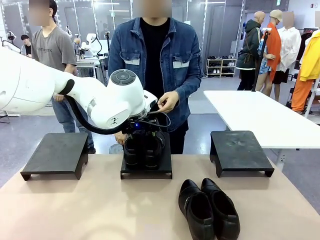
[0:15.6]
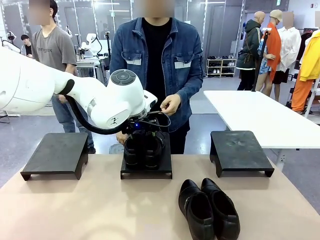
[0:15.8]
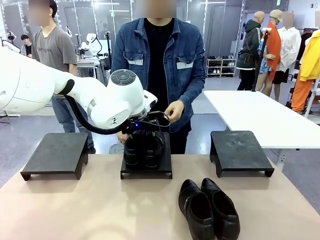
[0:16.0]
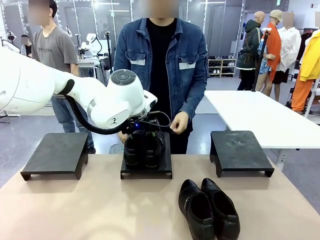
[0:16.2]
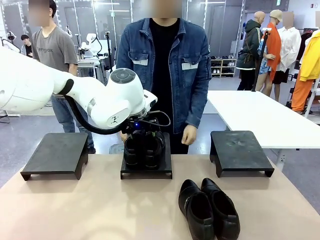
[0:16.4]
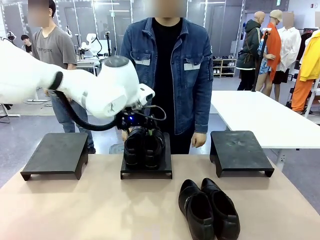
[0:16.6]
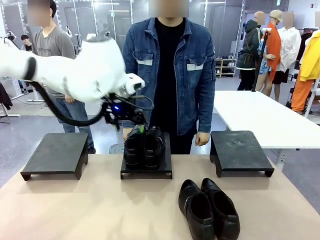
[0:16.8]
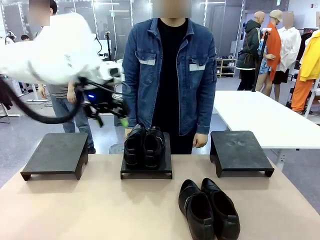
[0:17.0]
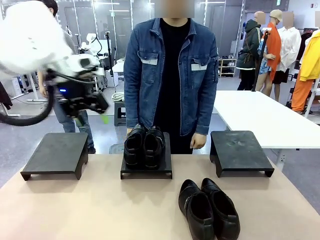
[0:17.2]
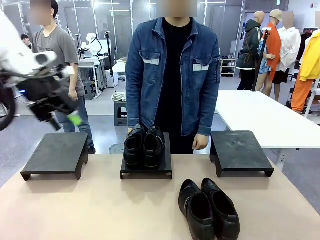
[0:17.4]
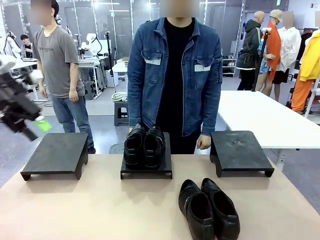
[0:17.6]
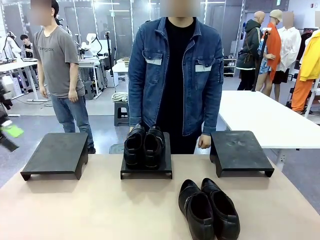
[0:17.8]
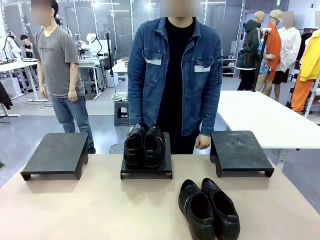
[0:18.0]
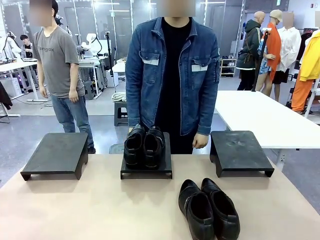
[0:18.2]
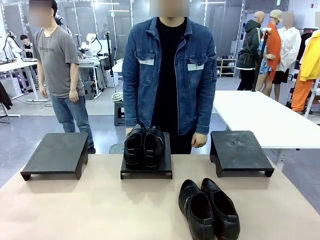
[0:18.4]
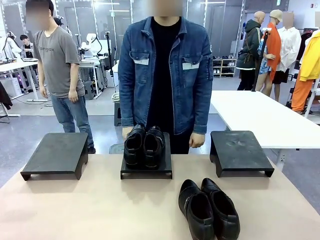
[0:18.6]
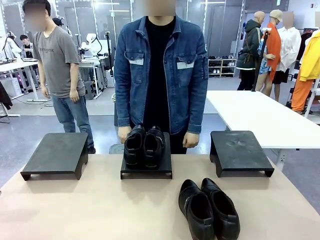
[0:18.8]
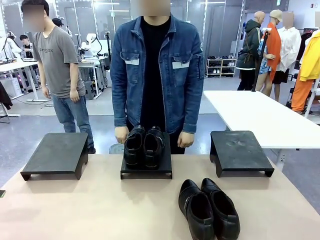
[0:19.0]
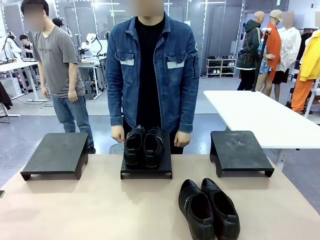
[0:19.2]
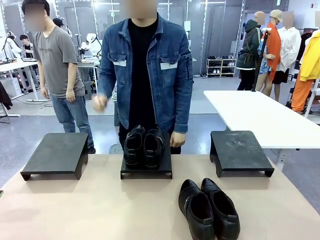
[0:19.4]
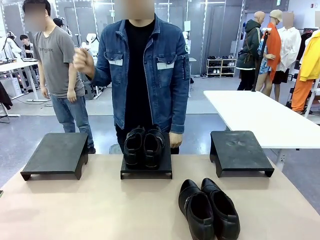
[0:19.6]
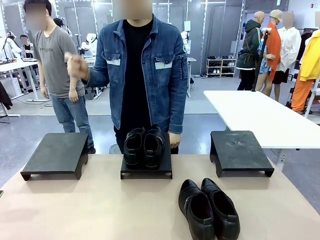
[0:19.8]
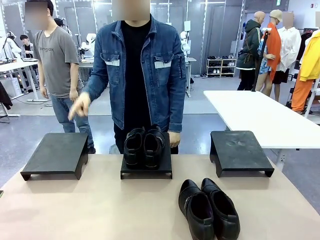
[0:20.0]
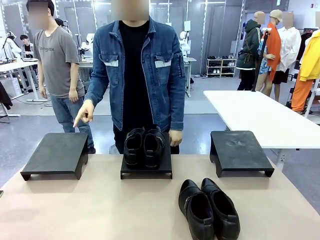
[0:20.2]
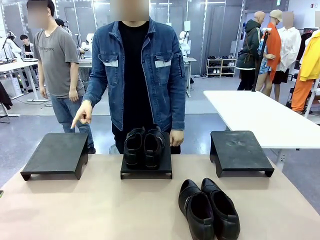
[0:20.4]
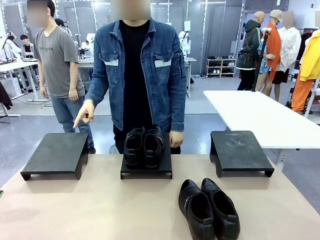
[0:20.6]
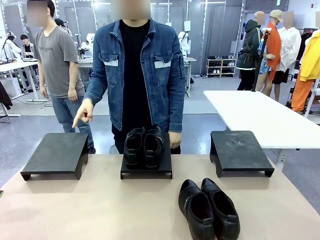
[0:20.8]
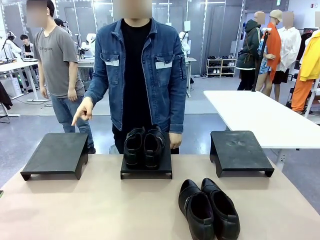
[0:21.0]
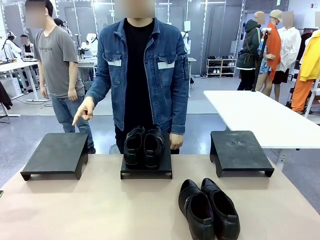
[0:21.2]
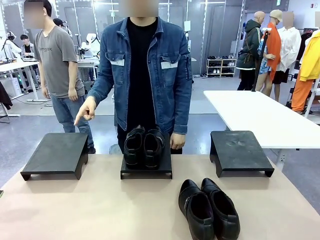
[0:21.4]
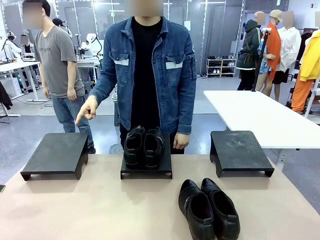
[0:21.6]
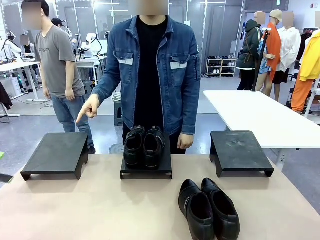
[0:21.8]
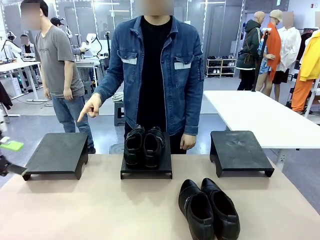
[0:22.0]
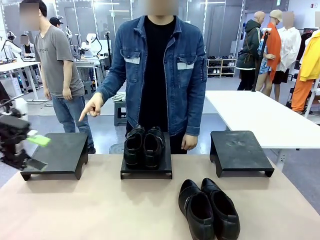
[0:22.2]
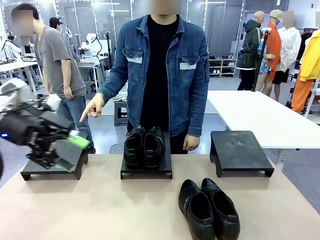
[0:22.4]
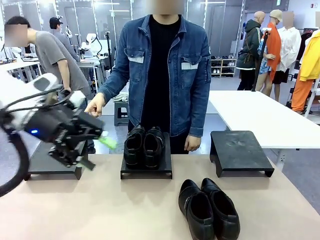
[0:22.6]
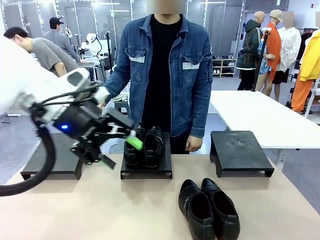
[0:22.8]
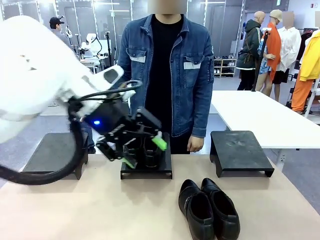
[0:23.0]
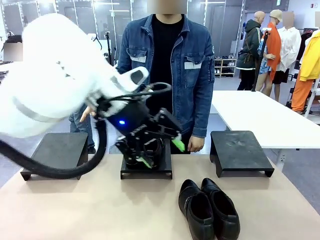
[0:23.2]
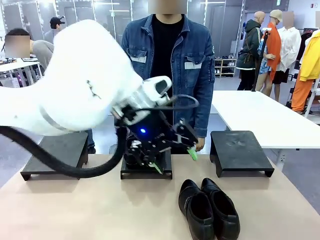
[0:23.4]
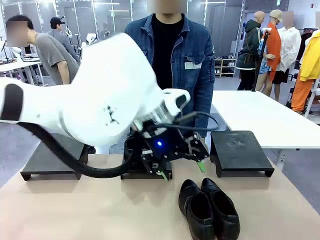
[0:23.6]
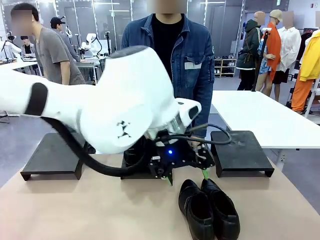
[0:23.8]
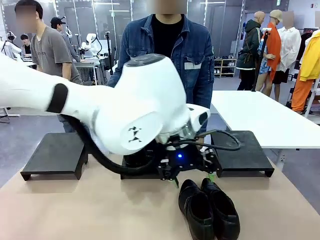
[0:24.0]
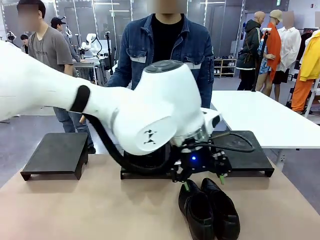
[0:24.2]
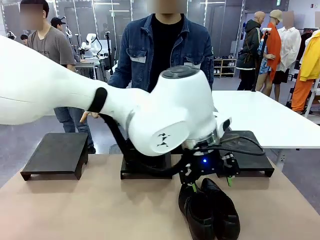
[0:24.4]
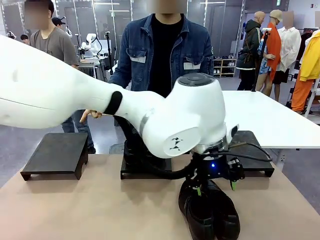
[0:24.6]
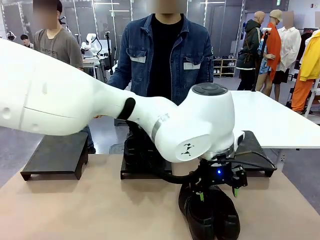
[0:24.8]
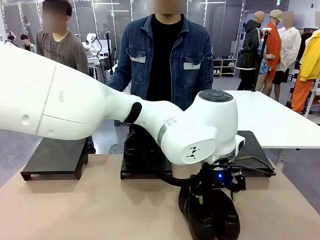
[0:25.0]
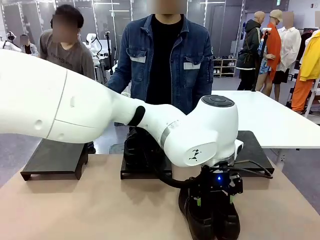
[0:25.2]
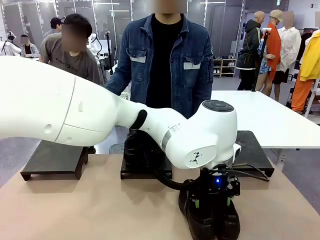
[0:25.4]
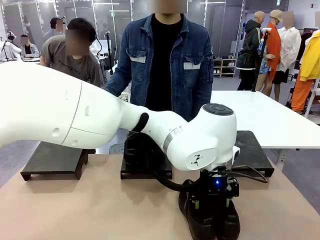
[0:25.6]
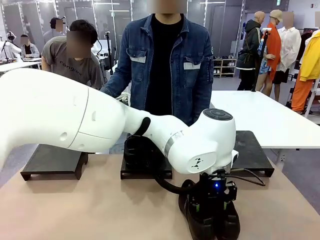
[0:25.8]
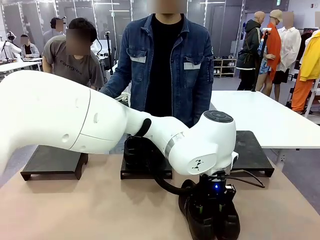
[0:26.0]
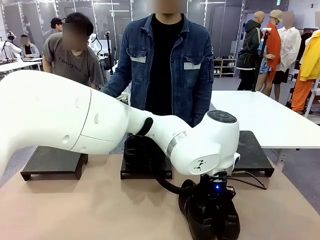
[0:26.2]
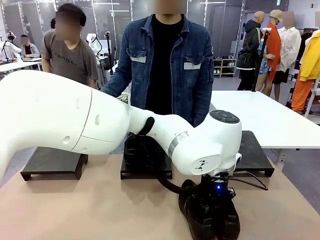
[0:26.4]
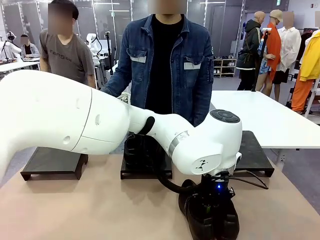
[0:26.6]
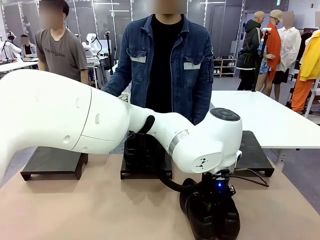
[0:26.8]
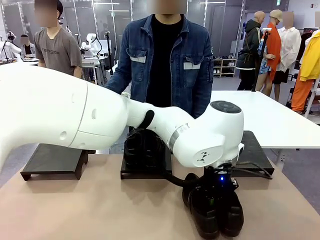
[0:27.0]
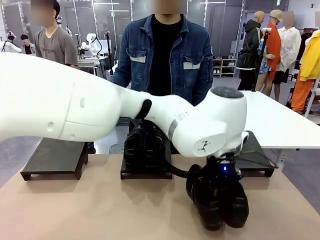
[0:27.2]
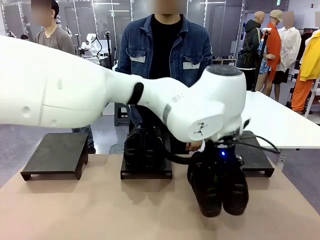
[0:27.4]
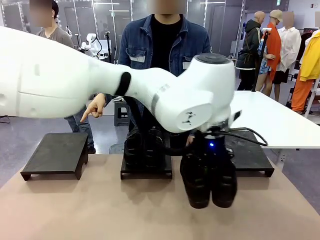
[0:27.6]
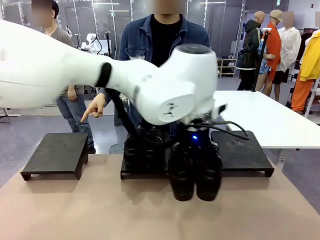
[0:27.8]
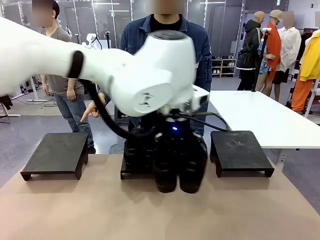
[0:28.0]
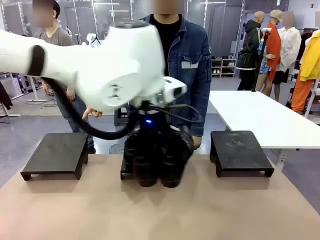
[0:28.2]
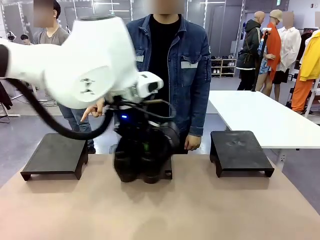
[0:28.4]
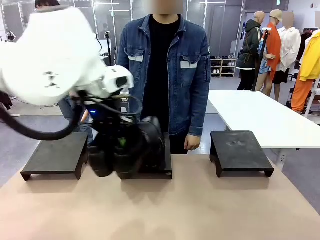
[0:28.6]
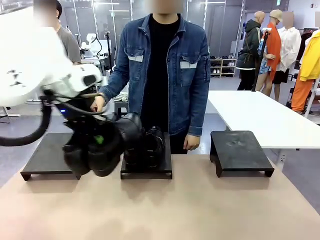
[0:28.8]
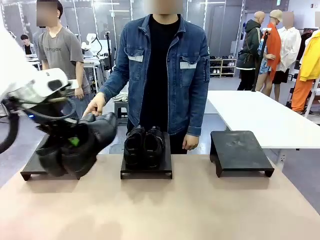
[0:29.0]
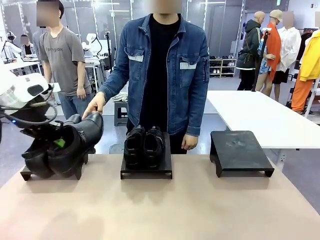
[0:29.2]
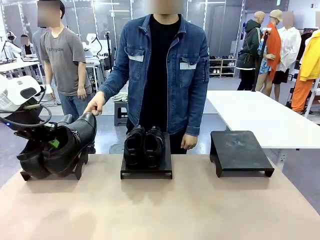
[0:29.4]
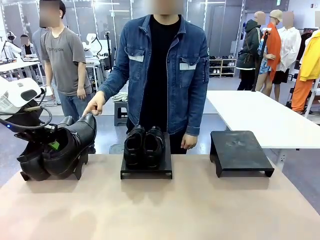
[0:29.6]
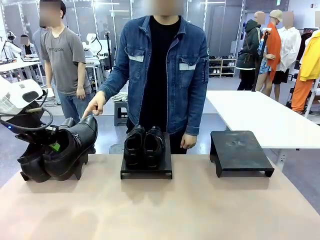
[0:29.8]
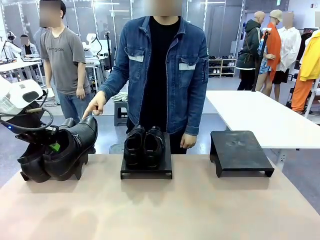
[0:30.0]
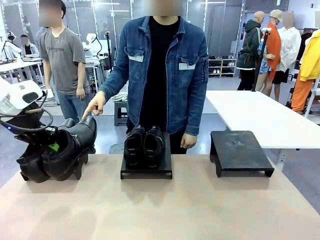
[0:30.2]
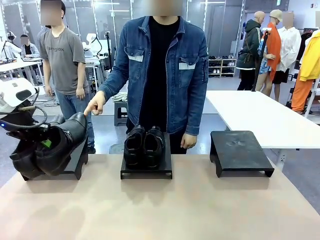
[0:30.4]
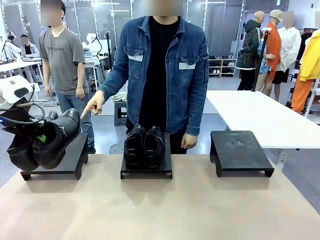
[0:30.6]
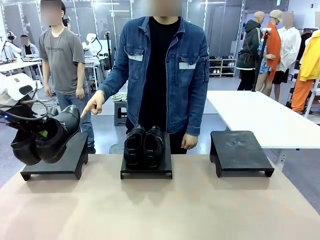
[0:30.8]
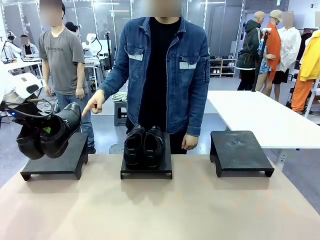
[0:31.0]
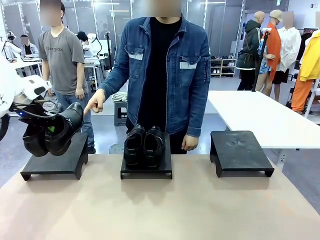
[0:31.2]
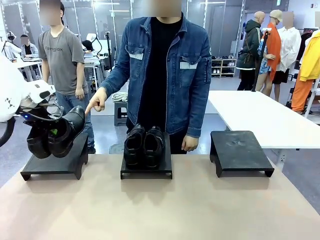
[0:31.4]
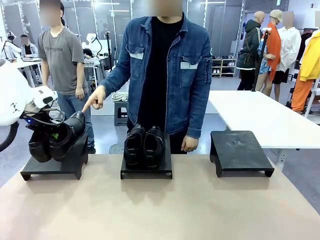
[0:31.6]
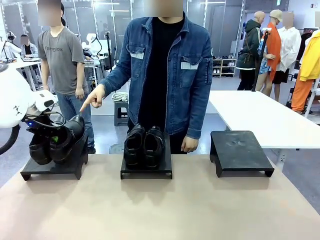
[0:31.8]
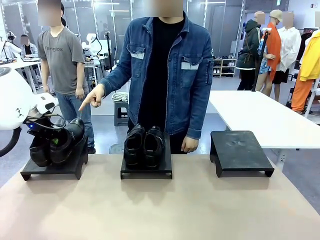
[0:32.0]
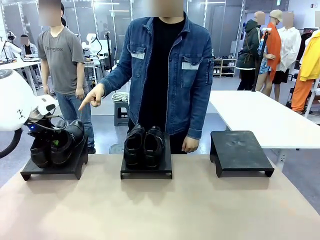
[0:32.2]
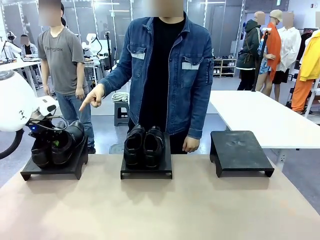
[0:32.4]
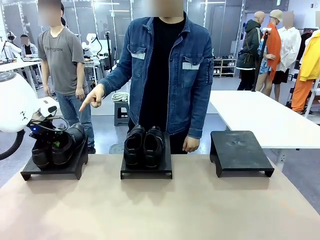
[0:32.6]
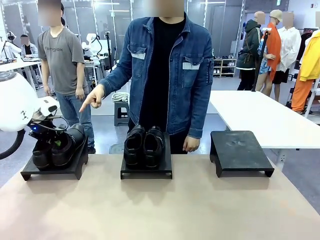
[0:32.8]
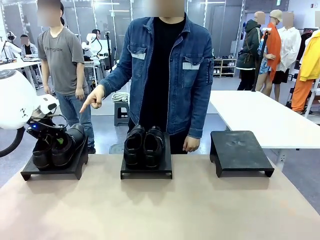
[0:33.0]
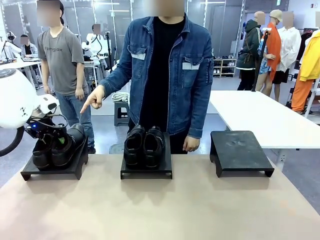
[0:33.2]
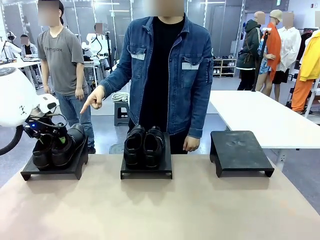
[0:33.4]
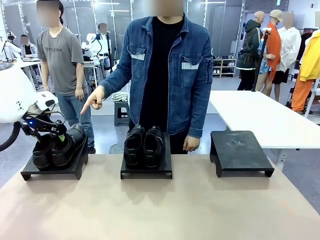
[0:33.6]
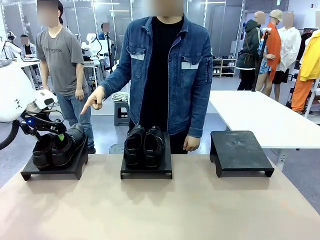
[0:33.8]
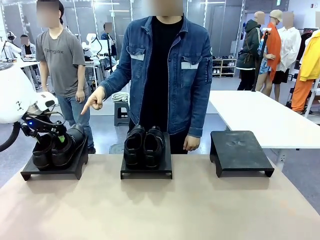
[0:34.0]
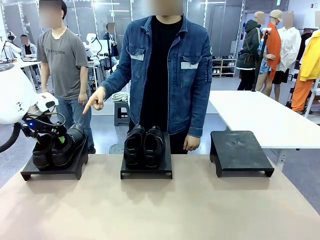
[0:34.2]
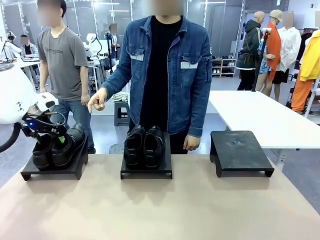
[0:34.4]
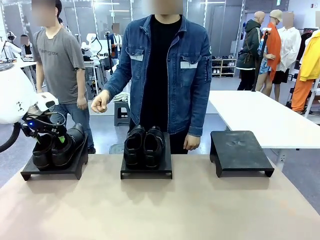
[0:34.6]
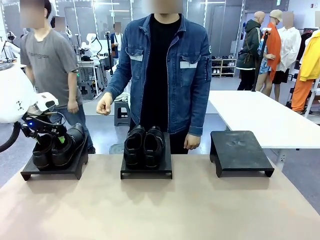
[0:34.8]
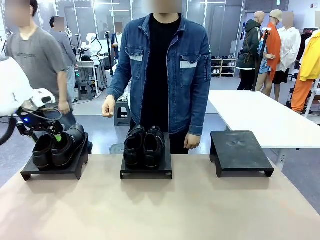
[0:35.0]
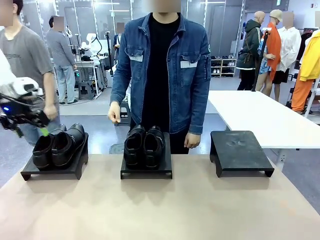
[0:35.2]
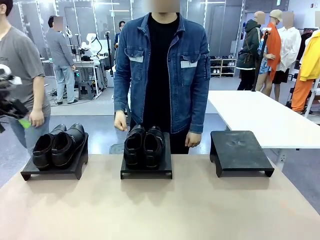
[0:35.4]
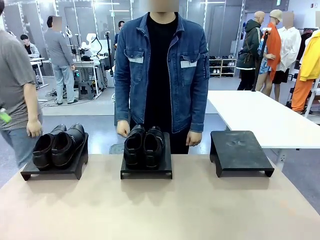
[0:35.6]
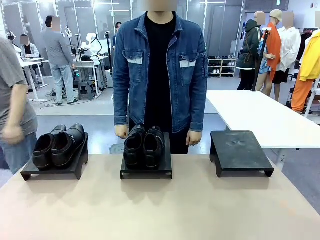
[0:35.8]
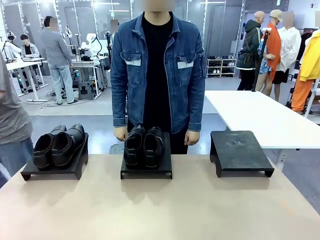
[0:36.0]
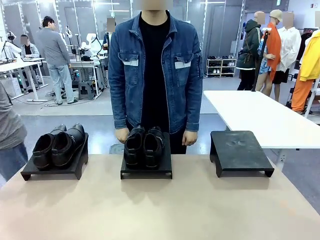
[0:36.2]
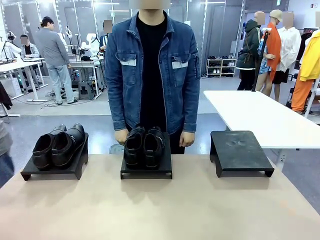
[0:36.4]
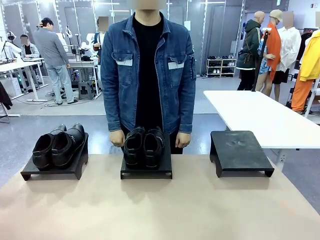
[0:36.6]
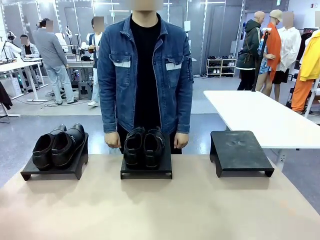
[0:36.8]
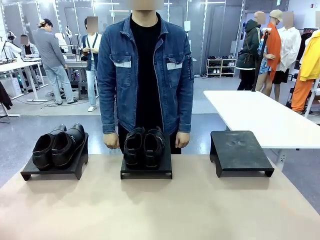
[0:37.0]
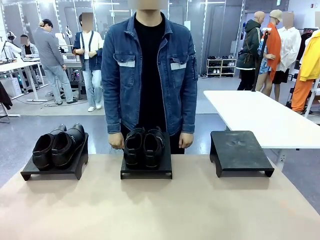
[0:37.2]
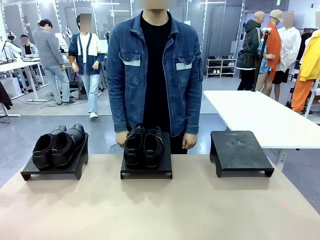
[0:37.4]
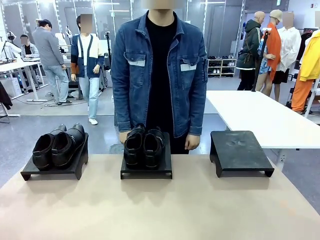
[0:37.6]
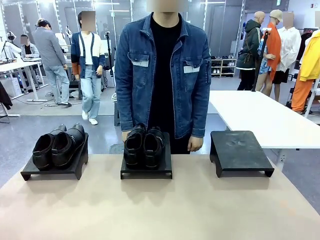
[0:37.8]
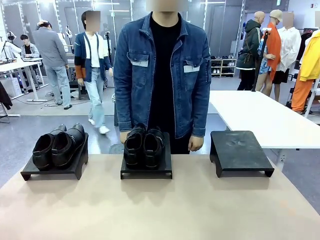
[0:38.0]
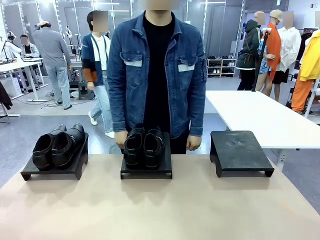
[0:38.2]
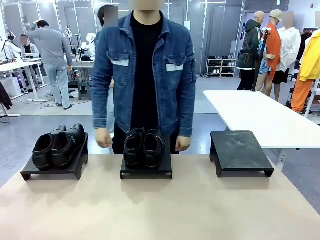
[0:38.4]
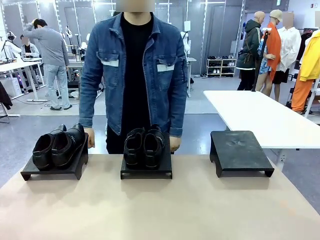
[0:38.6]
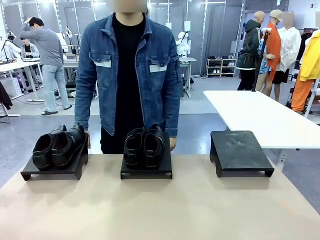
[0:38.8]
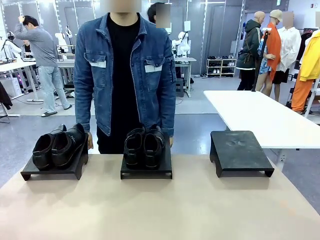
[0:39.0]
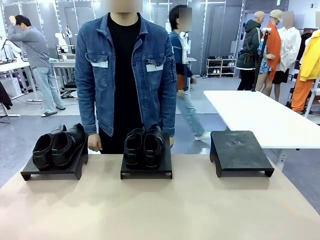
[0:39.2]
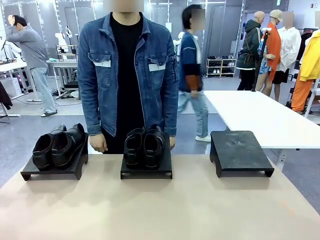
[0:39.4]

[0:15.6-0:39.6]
Task: Place the shoes on the stand as instructed by the person.
Robot: Pick up another pair of Shoes and place it on the Shoes Stand indicated by the person.
Person: Point to one Shoes Stand.
